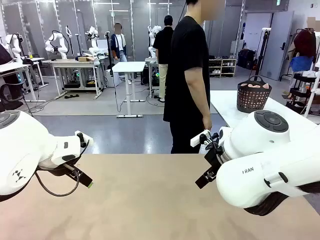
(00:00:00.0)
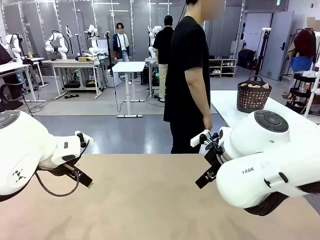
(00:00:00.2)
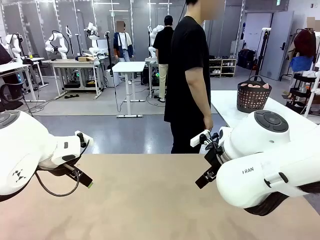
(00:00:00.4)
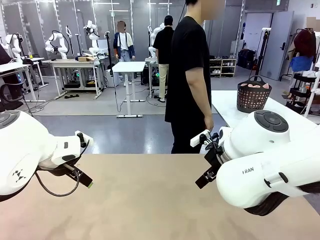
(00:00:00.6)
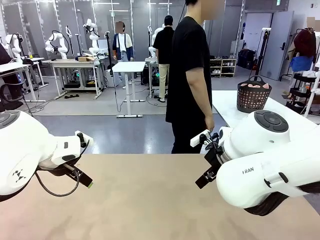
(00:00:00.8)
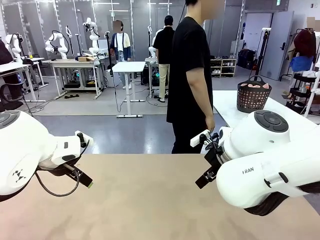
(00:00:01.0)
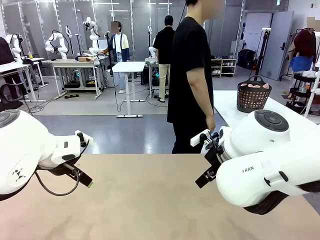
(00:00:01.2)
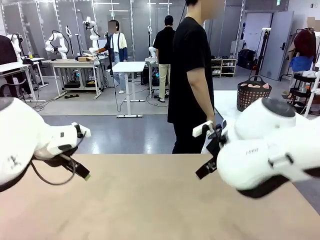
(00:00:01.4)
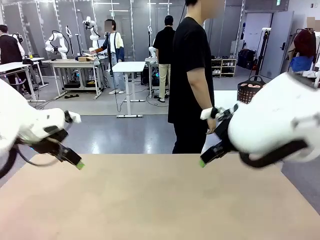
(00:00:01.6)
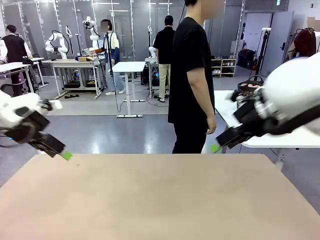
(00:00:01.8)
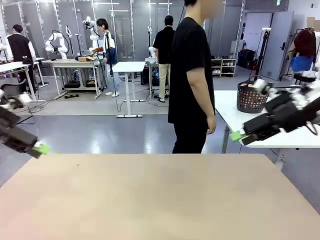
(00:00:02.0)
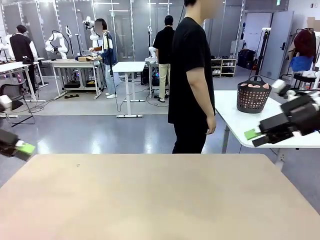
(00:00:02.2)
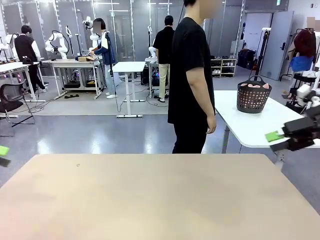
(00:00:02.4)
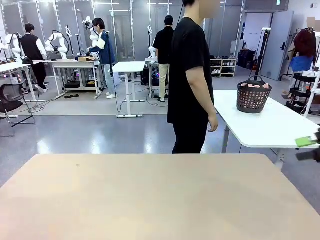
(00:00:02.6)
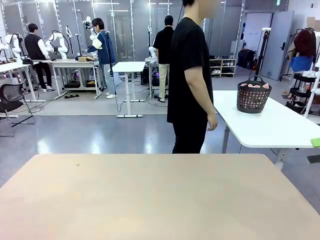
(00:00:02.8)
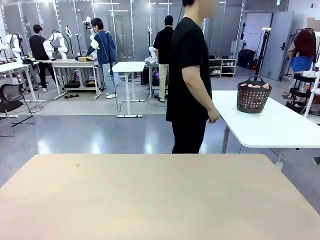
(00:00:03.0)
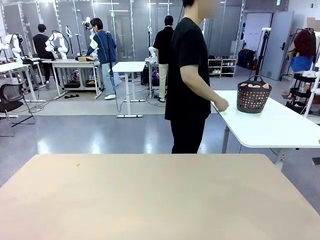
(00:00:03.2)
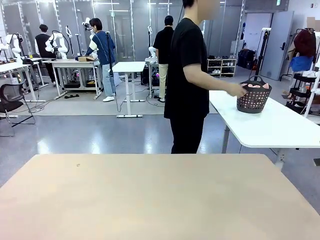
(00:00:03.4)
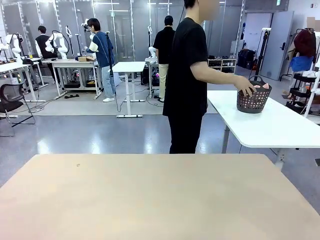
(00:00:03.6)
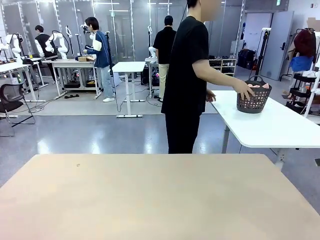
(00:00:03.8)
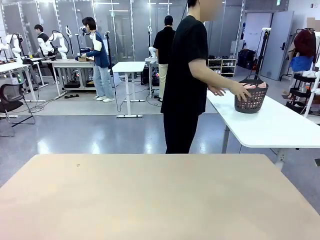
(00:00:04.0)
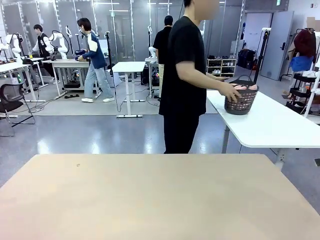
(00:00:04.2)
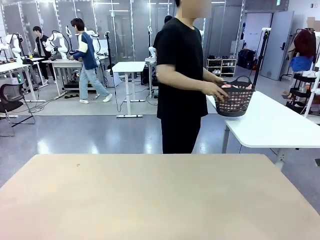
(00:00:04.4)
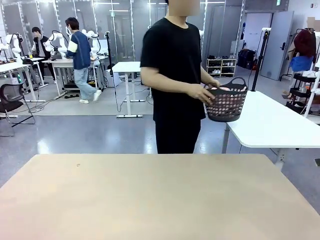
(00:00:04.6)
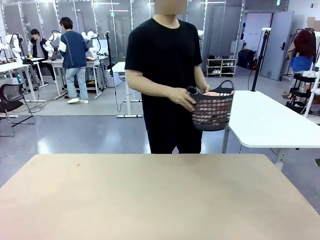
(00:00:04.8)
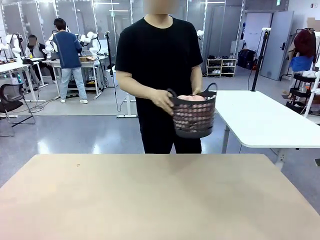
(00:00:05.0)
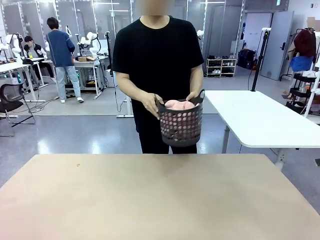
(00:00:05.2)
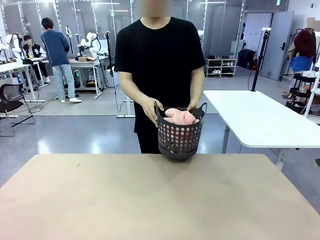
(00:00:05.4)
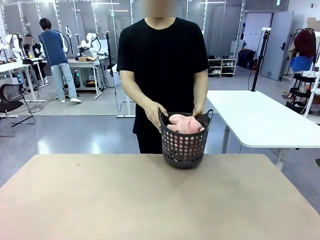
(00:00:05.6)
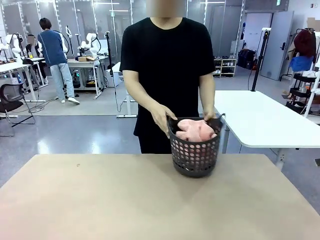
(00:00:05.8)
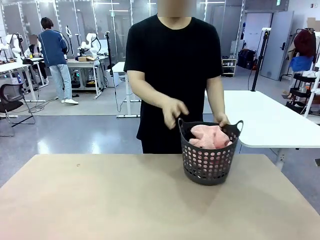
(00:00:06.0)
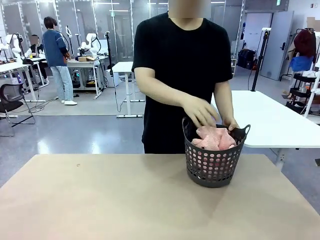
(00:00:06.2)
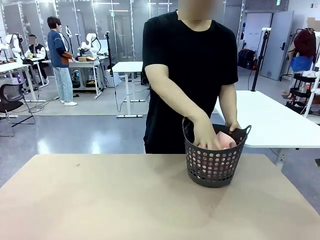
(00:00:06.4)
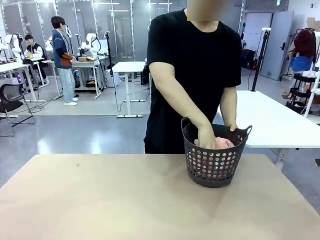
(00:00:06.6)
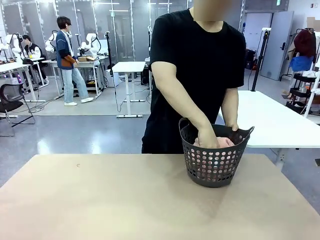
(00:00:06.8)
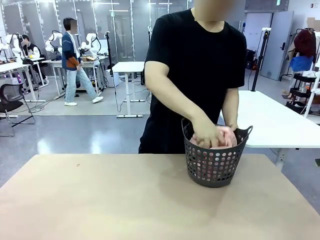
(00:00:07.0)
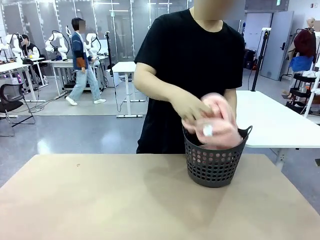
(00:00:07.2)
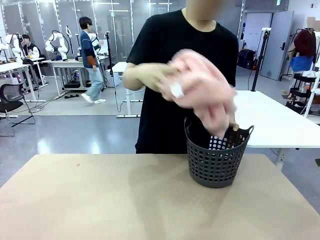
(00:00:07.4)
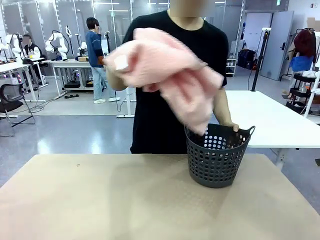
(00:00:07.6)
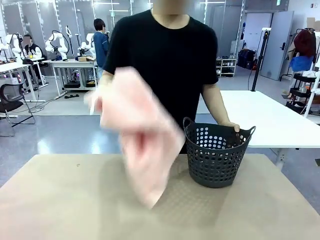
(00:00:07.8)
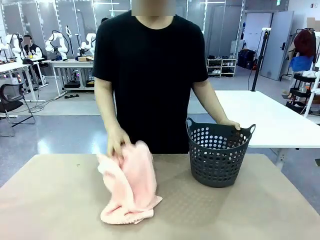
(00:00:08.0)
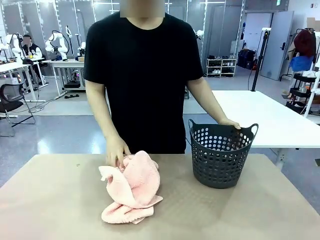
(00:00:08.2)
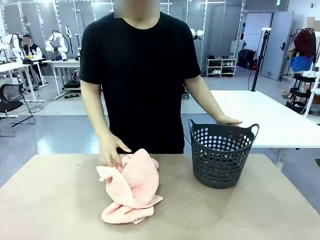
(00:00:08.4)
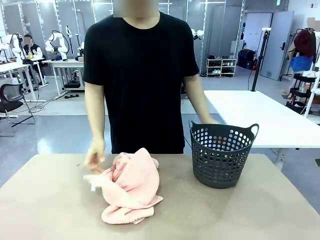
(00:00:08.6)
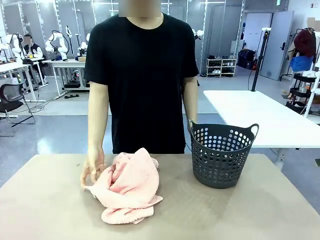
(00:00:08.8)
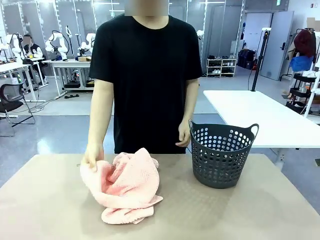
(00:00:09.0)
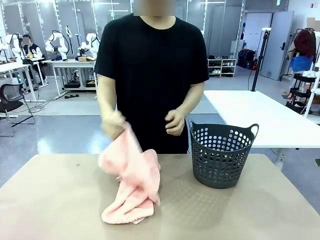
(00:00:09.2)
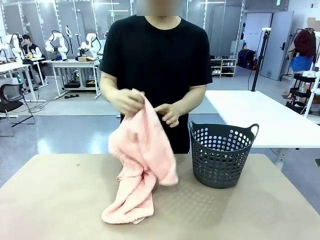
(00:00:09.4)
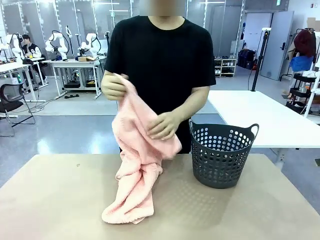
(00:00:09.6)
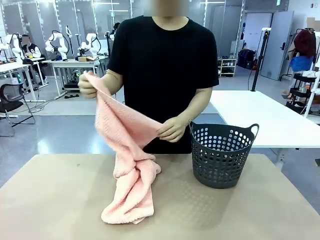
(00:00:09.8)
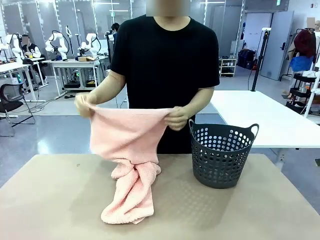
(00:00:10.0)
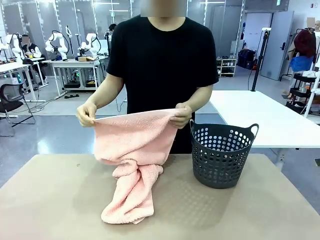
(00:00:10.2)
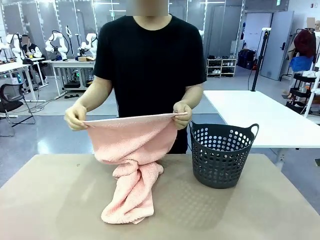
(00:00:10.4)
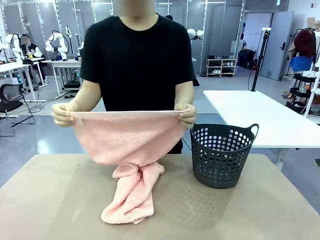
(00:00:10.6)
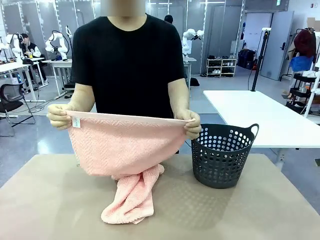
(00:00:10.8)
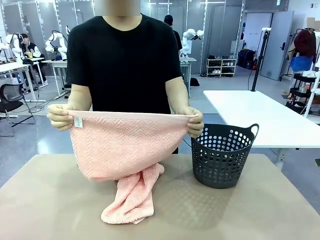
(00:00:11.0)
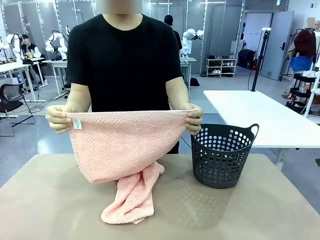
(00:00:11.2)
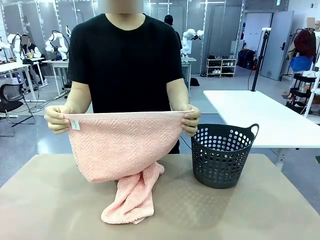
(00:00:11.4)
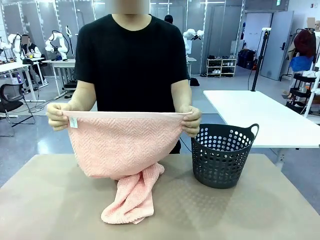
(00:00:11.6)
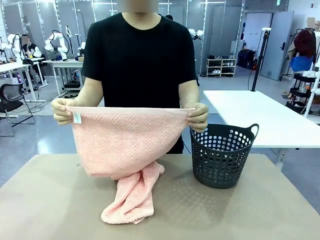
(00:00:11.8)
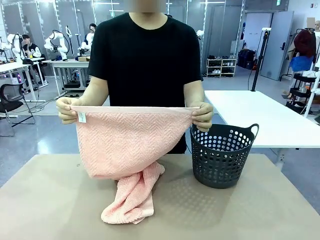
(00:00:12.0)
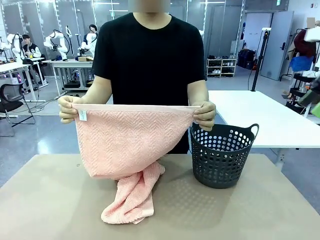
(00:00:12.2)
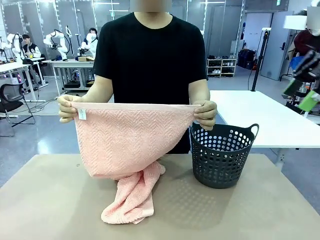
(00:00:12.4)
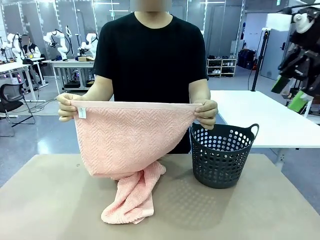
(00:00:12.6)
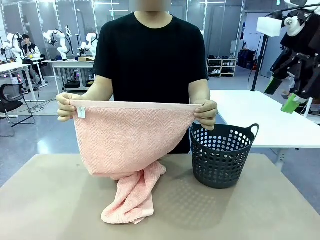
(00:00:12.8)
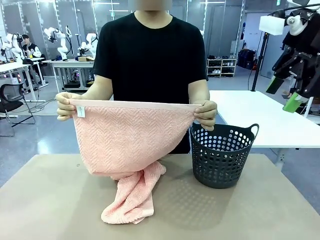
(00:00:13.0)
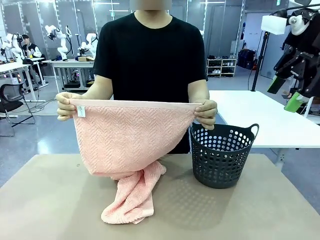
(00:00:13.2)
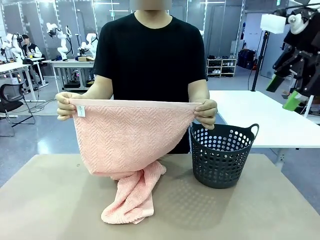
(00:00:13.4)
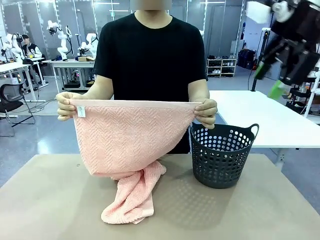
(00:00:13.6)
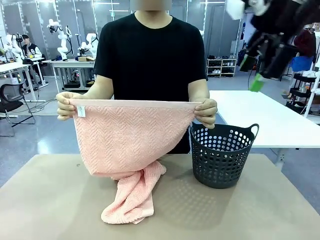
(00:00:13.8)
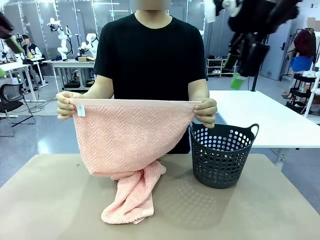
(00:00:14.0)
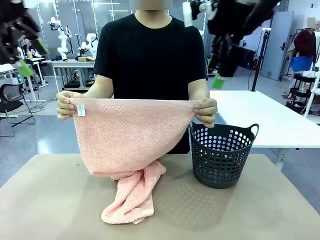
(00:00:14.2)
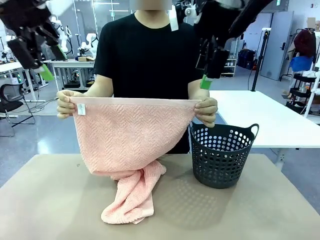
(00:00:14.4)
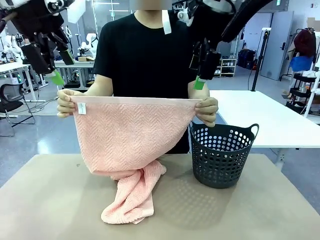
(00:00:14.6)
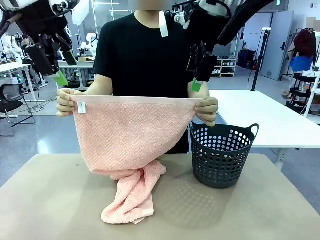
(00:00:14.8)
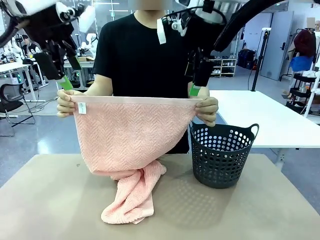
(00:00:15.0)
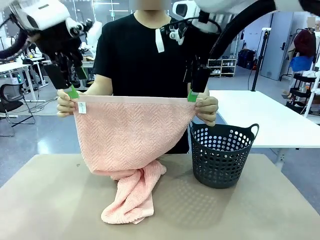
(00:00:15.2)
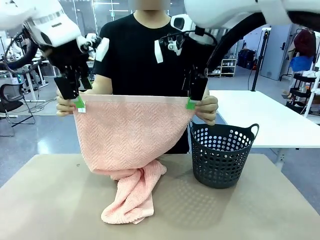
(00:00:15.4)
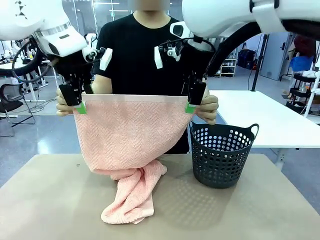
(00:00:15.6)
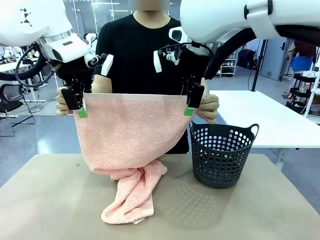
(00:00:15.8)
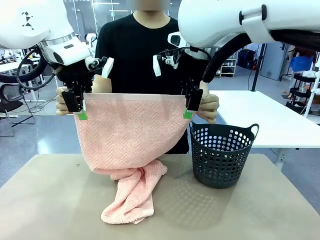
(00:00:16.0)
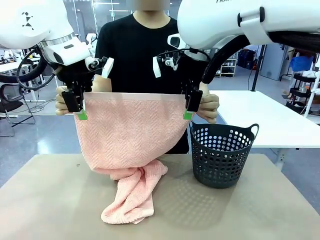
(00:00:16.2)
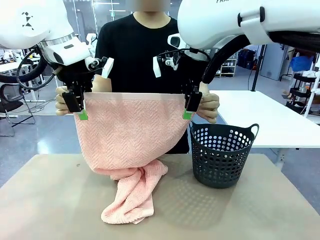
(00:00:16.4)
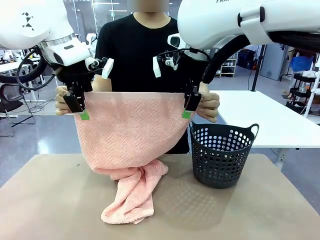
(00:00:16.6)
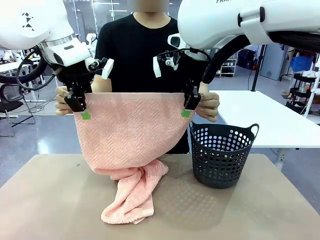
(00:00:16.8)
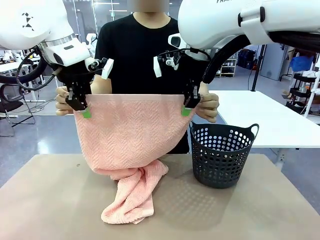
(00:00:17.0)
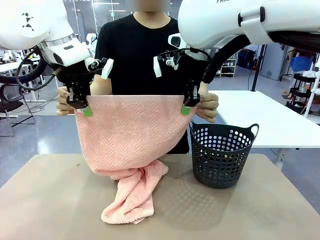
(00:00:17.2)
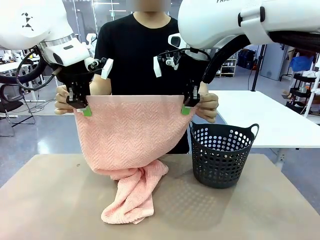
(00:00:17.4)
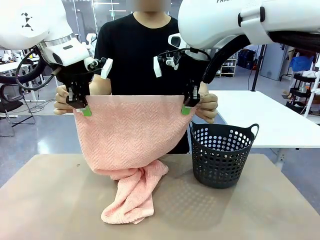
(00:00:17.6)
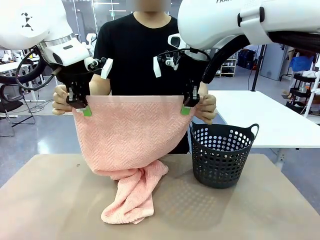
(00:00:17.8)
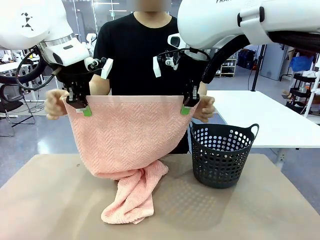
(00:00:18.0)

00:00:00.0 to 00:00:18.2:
Task: Fold the towel.
Robot: Grab the top end of the 100 cm Hotel Towel extended by the human.
Person: Pick up the laundry basket, place it on the left side of the robot table, then take out a towel and hand it to the robot while holding both corners of one end.
